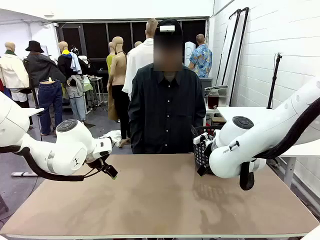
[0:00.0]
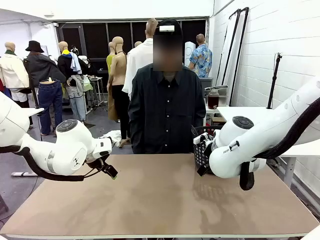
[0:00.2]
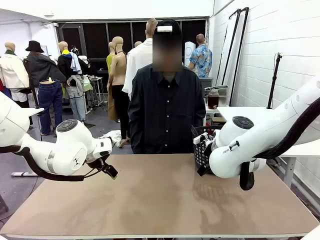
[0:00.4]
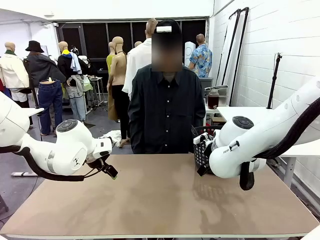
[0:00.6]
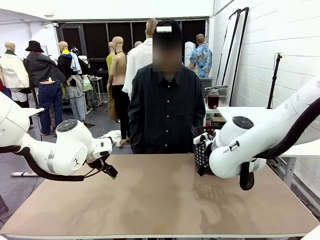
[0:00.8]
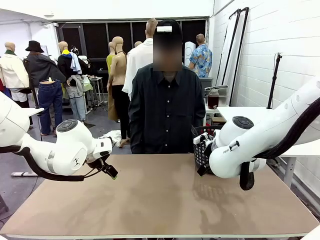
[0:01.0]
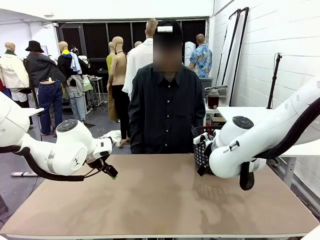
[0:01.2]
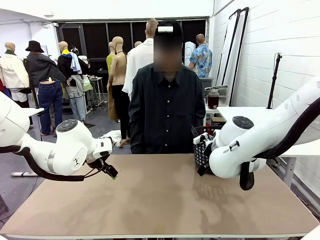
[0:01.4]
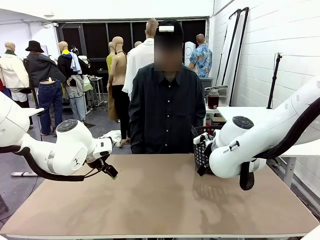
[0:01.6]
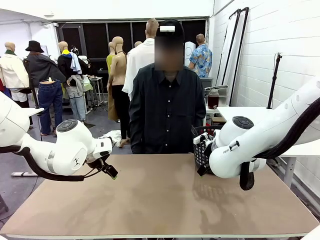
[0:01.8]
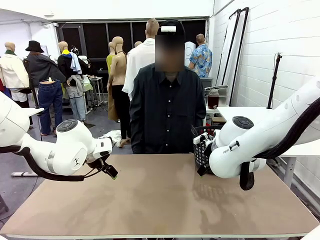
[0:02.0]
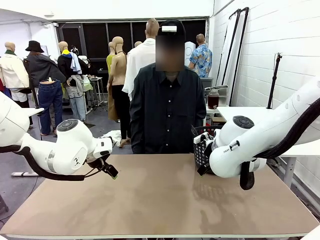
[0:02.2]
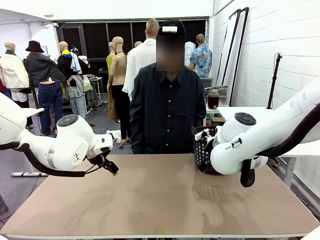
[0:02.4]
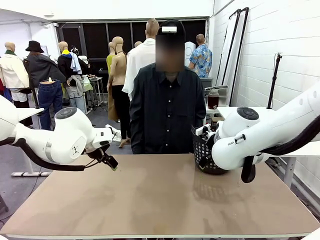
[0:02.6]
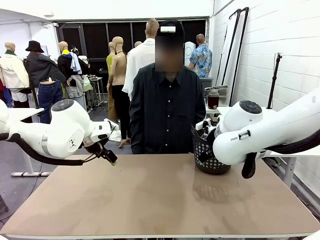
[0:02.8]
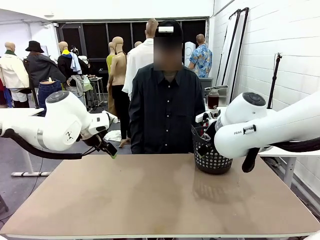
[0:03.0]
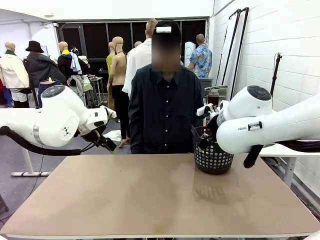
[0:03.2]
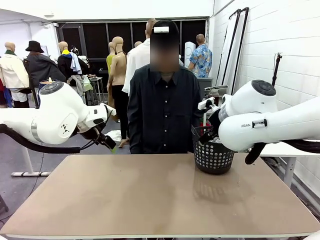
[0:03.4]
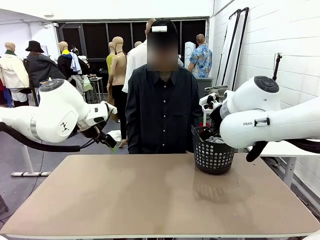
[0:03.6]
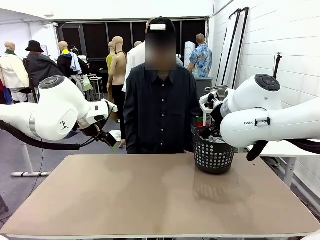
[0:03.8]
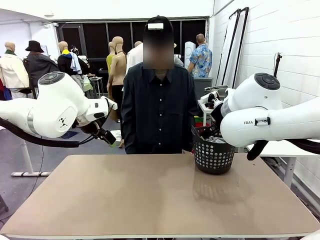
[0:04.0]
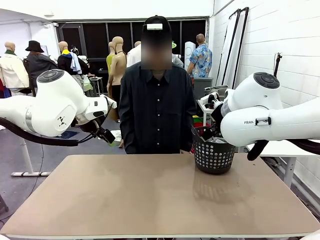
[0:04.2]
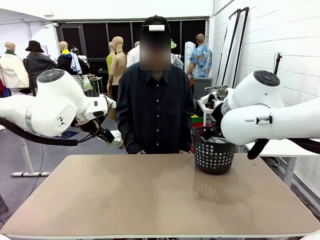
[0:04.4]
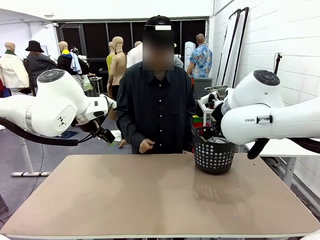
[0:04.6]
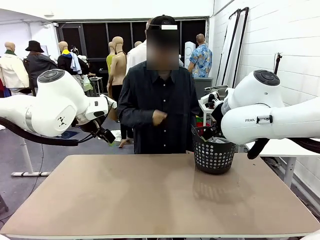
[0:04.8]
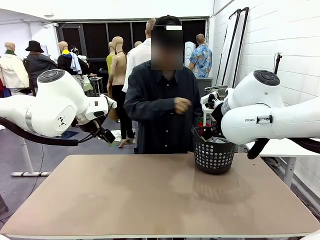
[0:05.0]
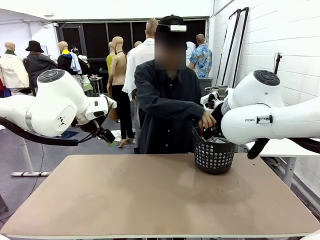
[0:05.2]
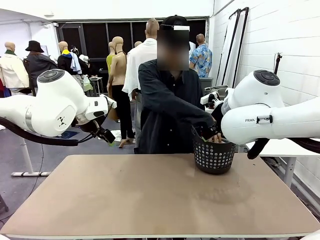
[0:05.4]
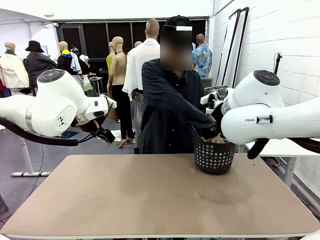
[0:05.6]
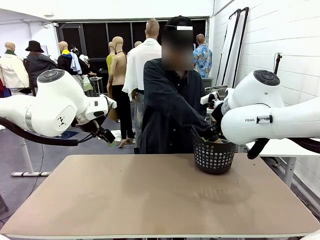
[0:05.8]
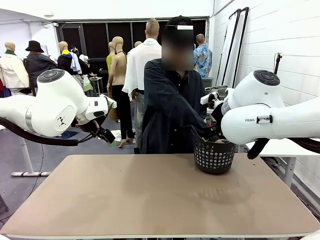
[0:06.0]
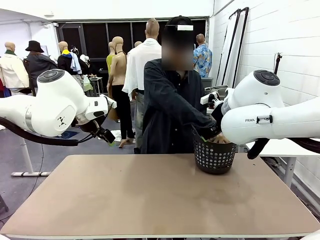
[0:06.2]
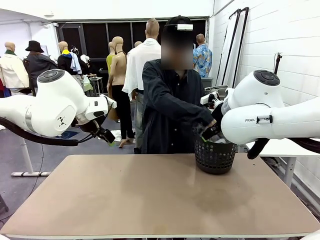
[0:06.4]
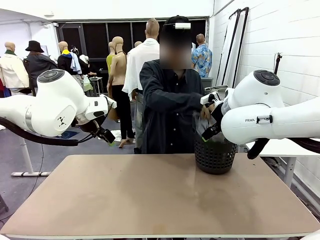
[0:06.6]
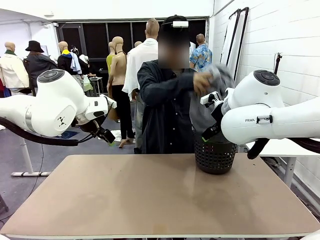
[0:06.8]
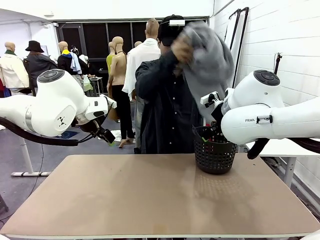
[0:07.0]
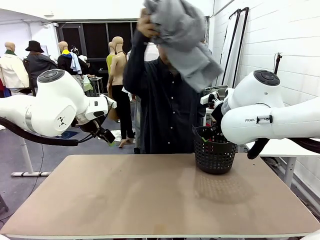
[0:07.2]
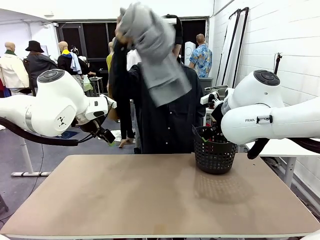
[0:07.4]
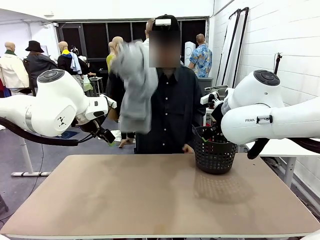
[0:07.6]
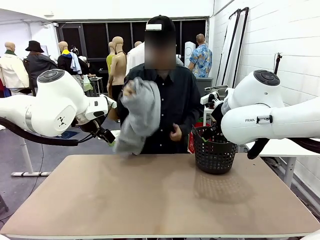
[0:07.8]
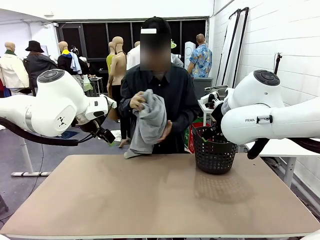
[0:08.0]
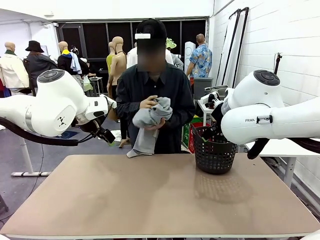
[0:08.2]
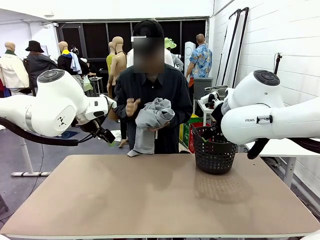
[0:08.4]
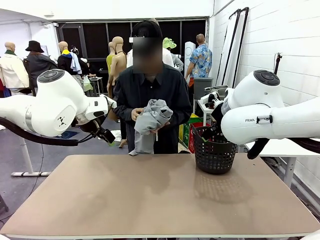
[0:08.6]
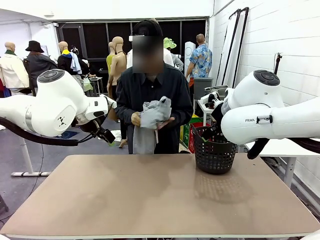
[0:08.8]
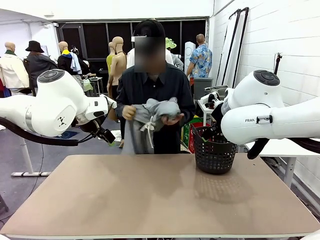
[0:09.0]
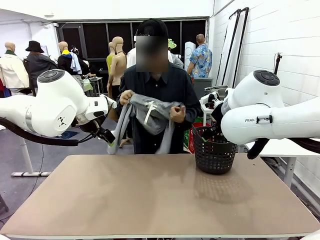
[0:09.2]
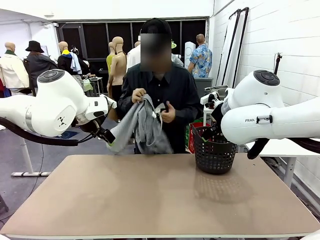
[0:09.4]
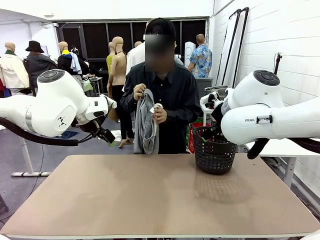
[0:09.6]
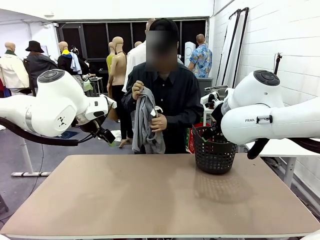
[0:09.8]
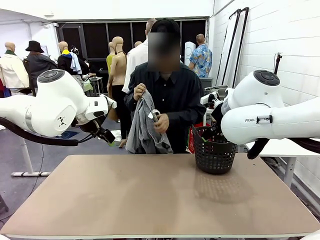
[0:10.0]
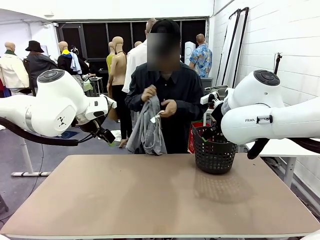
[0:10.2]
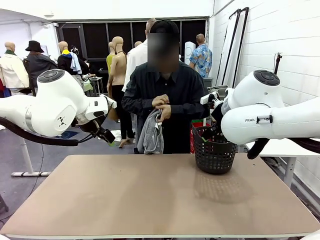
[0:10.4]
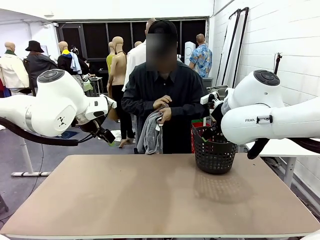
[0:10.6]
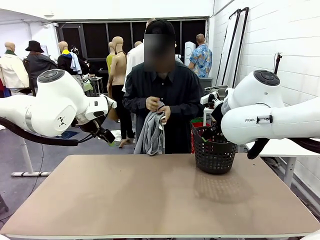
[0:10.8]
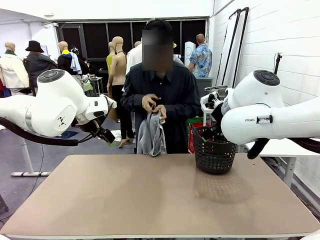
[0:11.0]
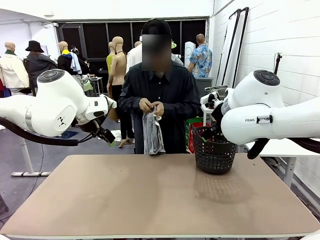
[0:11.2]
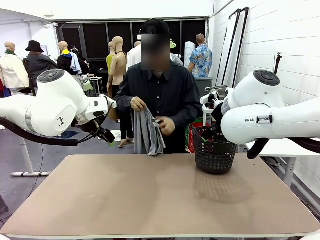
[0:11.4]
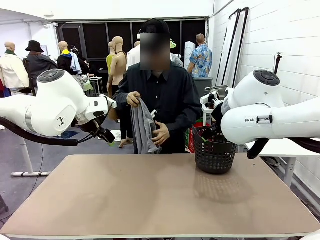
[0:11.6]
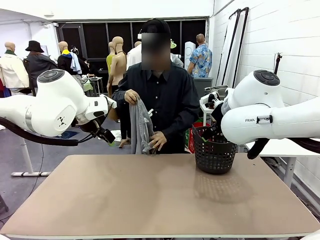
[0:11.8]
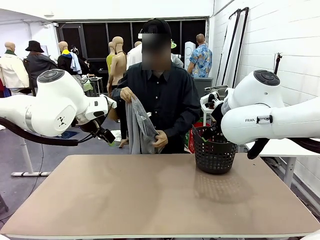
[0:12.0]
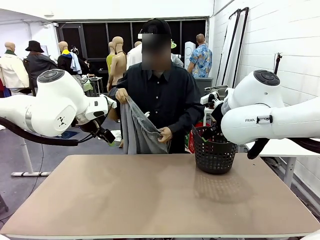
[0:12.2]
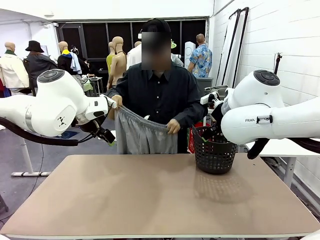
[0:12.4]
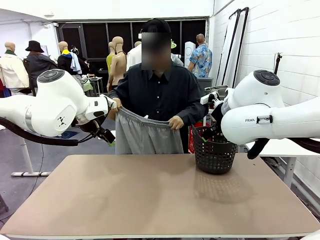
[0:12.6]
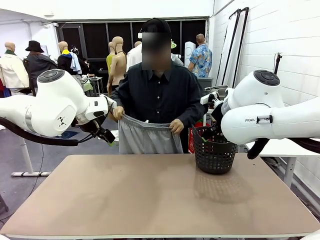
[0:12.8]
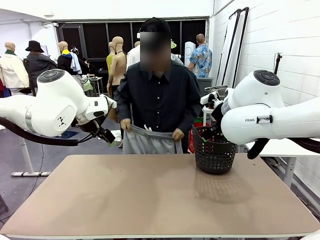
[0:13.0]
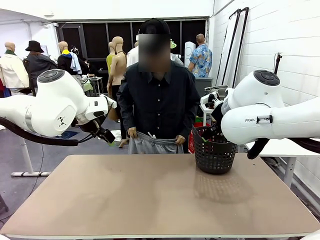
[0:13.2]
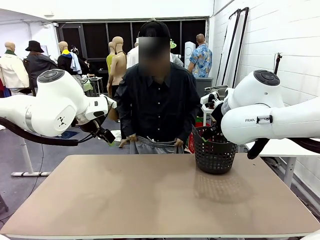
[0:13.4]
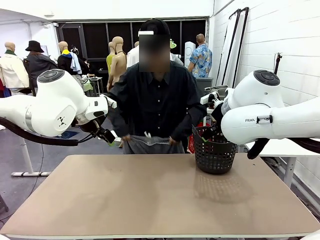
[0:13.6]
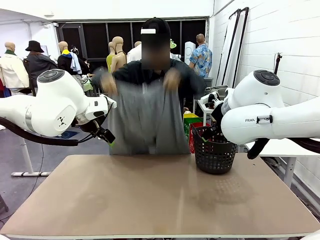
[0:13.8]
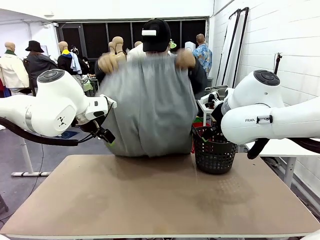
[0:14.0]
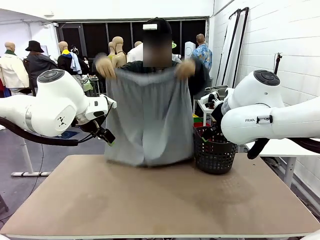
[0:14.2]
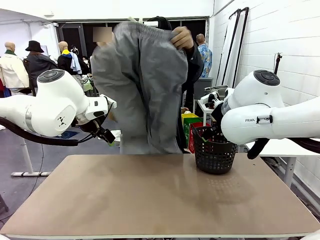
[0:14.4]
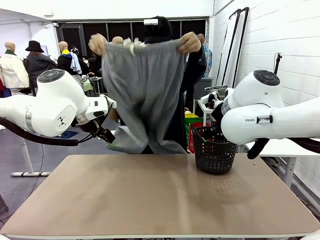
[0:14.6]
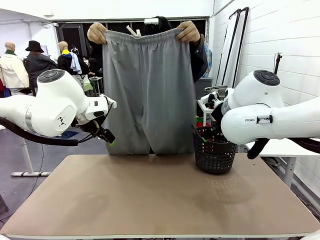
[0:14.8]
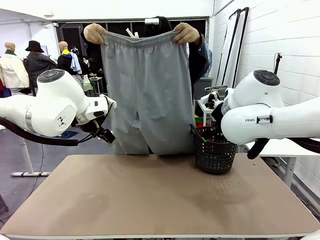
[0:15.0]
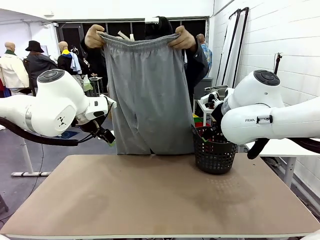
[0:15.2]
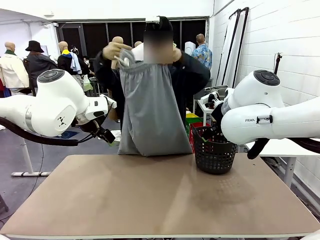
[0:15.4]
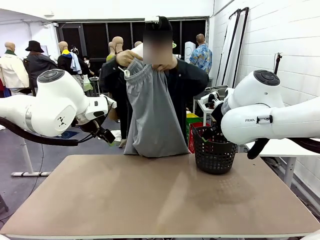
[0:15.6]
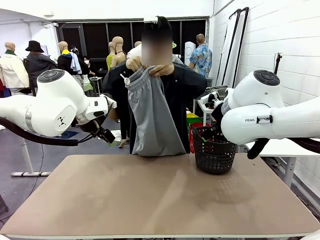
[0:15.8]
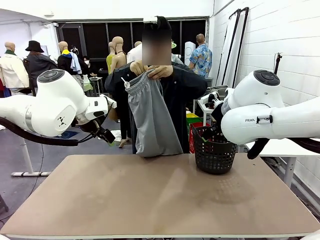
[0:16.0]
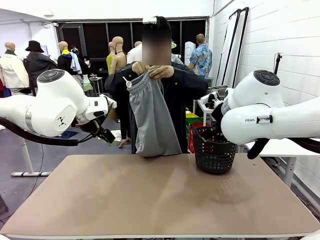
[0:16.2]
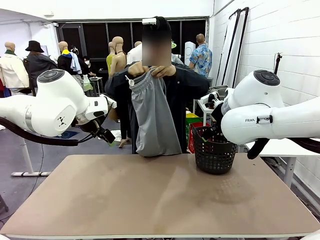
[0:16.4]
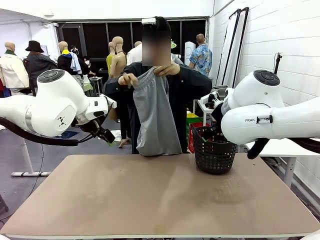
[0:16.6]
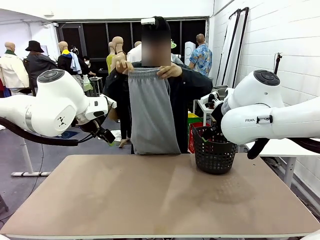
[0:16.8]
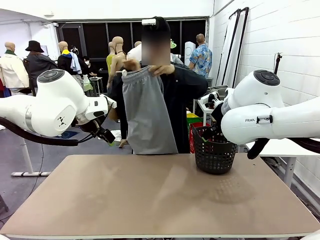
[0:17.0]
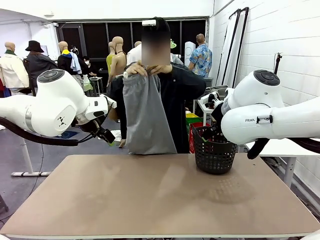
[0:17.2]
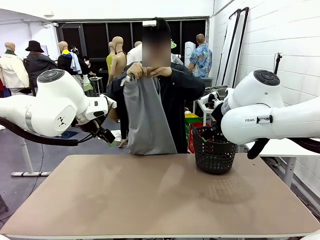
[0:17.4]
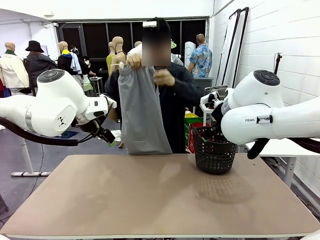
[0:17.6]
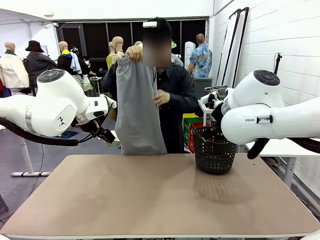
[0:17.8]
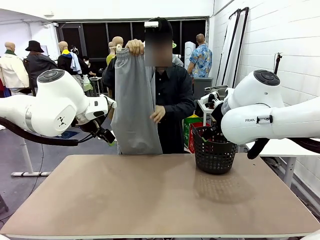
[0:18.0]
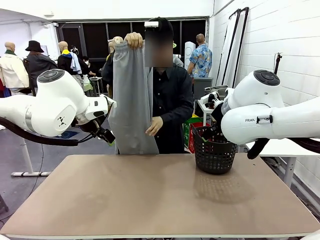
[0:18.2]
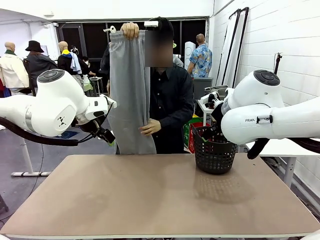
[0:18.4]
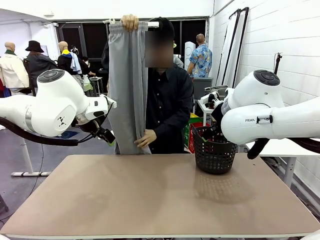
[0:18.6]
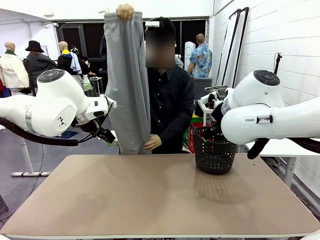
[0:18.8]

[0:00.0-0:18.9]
Task: Fold the training pants.
Robot: Grab both ends of the Training pants handed by a person.
Person: Take the long pants out of the laundry basket, unfold them, fold the waist in half, and extend them so the robot can pick up both corners.
